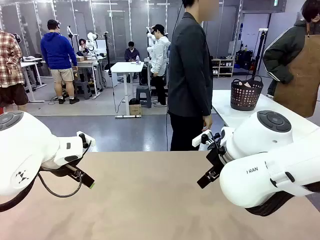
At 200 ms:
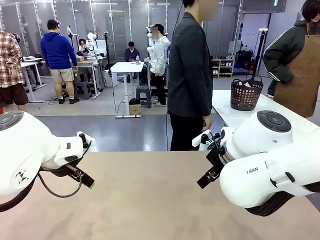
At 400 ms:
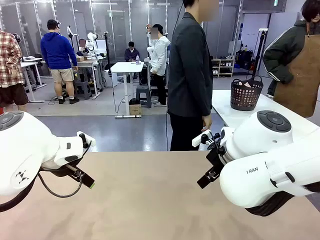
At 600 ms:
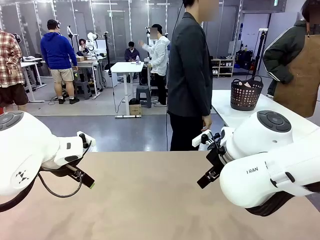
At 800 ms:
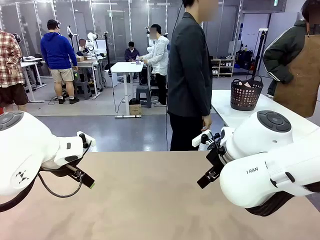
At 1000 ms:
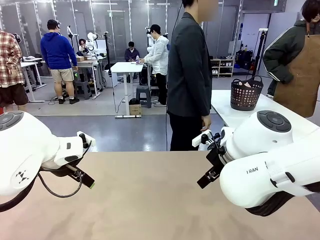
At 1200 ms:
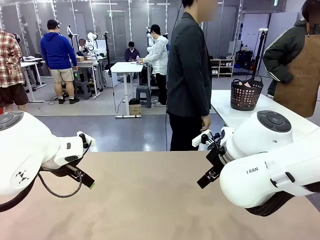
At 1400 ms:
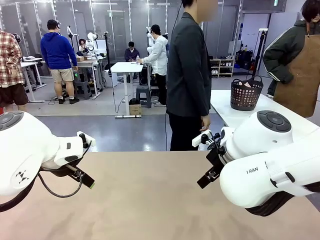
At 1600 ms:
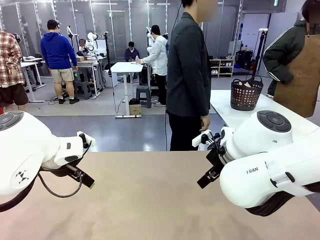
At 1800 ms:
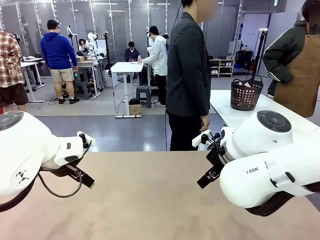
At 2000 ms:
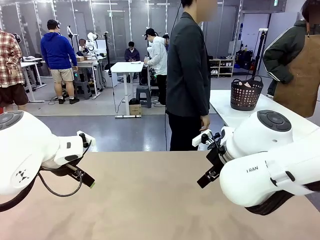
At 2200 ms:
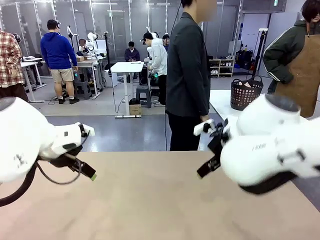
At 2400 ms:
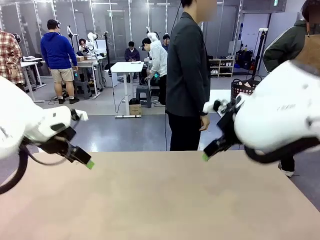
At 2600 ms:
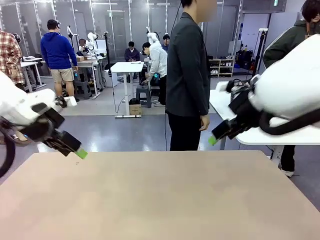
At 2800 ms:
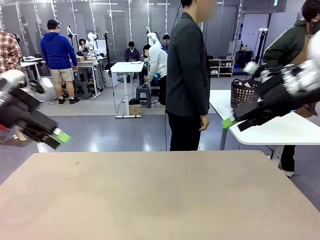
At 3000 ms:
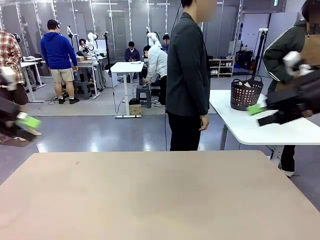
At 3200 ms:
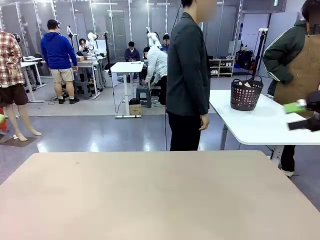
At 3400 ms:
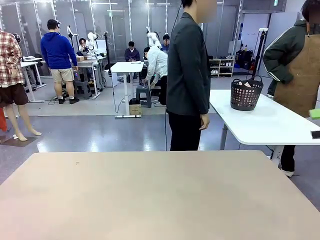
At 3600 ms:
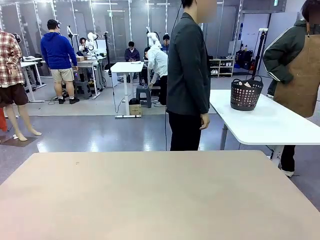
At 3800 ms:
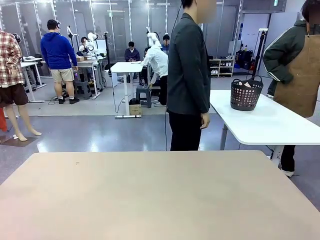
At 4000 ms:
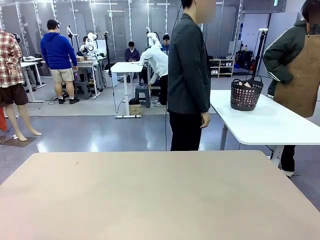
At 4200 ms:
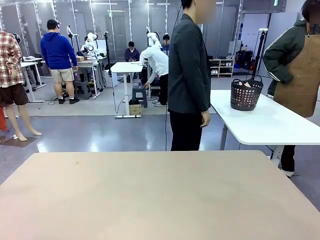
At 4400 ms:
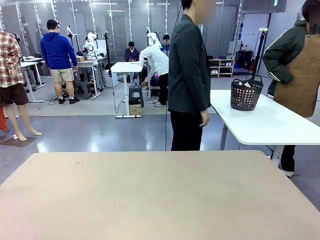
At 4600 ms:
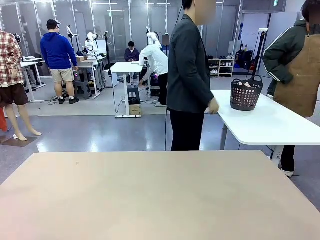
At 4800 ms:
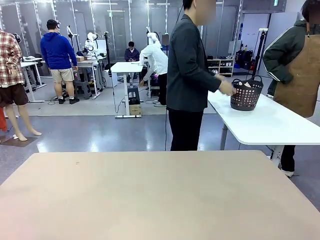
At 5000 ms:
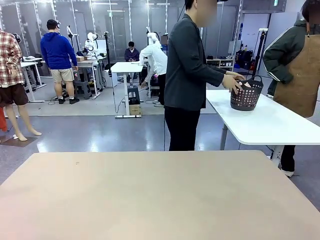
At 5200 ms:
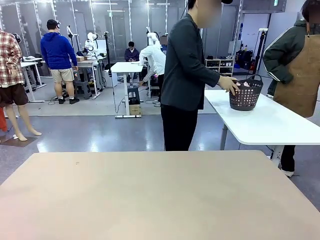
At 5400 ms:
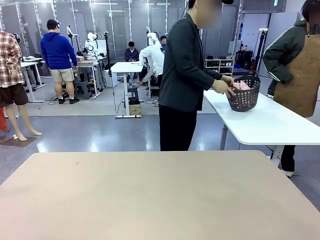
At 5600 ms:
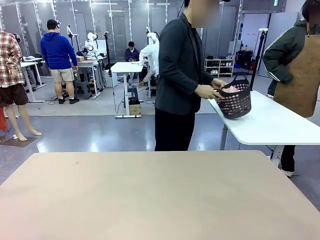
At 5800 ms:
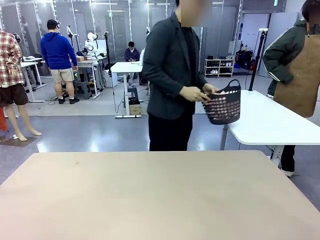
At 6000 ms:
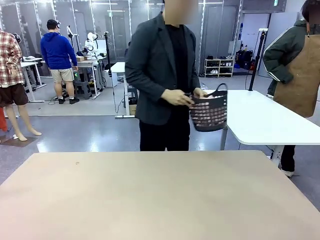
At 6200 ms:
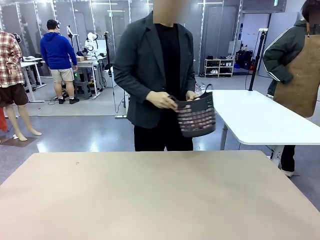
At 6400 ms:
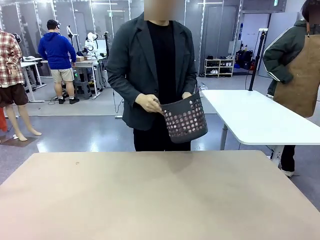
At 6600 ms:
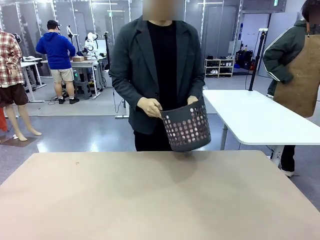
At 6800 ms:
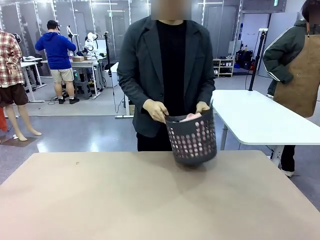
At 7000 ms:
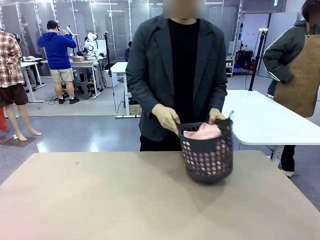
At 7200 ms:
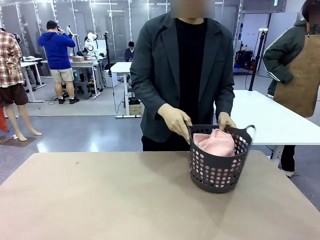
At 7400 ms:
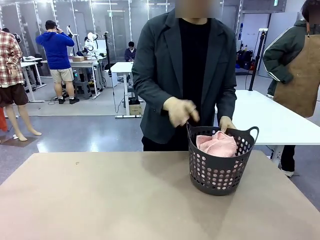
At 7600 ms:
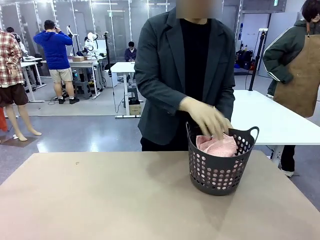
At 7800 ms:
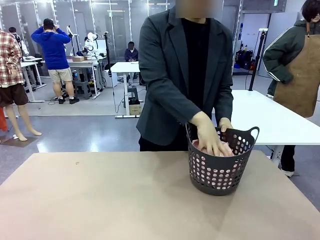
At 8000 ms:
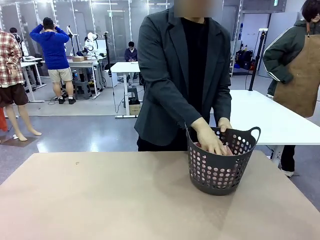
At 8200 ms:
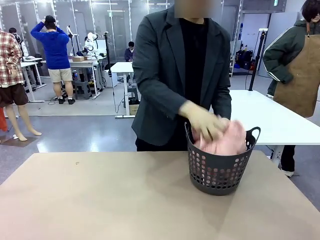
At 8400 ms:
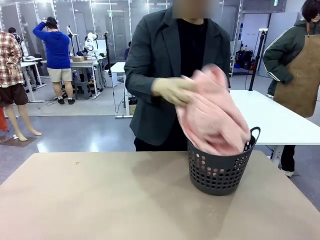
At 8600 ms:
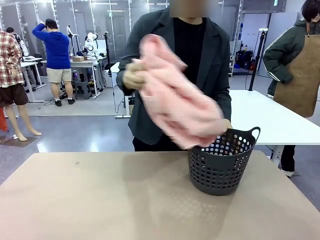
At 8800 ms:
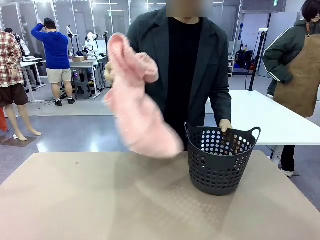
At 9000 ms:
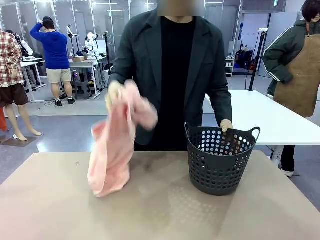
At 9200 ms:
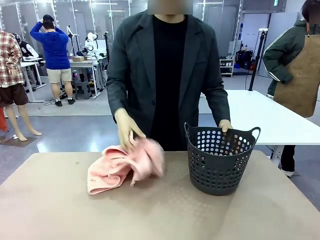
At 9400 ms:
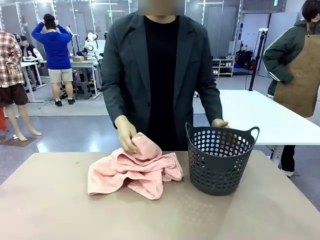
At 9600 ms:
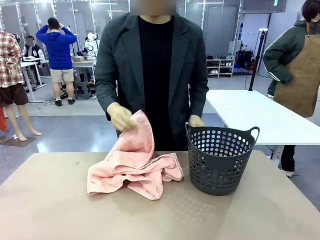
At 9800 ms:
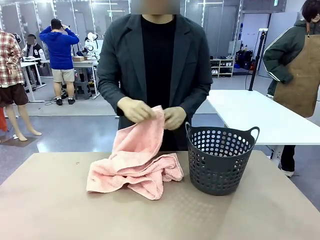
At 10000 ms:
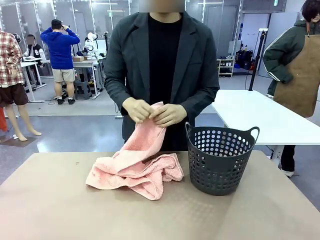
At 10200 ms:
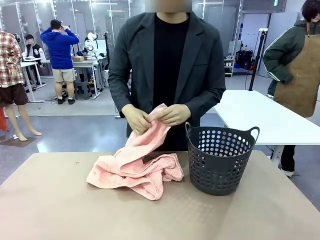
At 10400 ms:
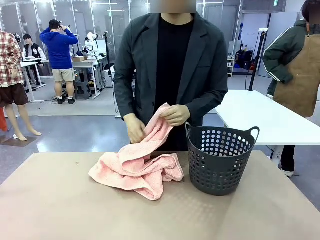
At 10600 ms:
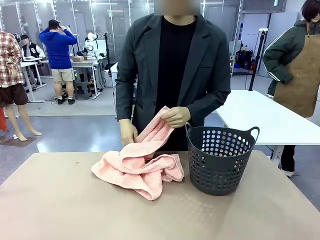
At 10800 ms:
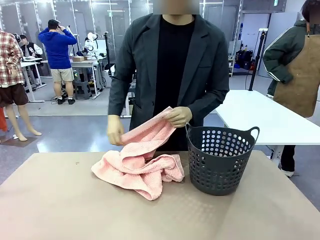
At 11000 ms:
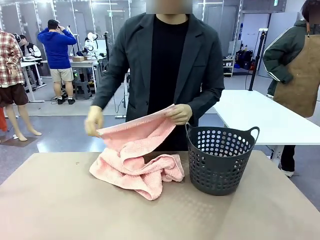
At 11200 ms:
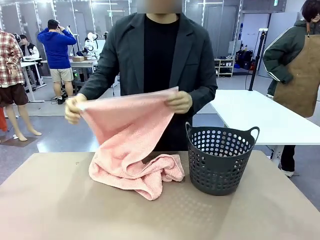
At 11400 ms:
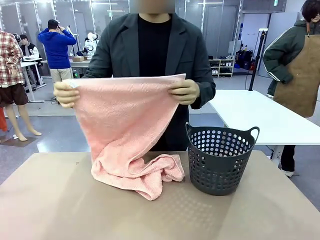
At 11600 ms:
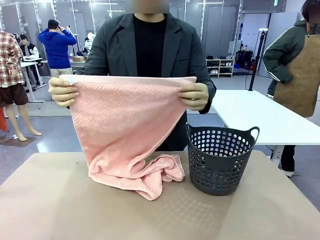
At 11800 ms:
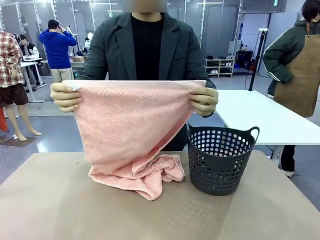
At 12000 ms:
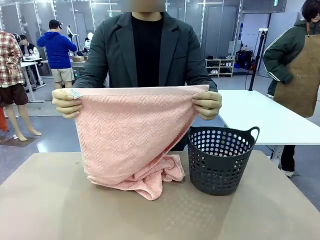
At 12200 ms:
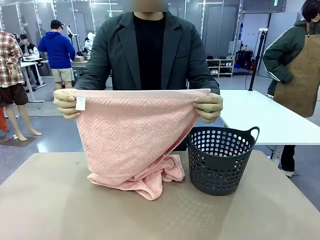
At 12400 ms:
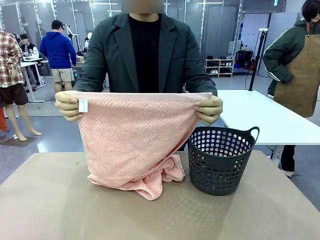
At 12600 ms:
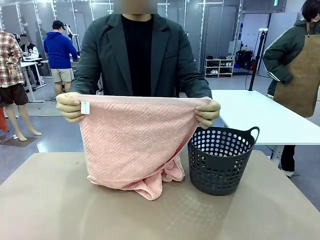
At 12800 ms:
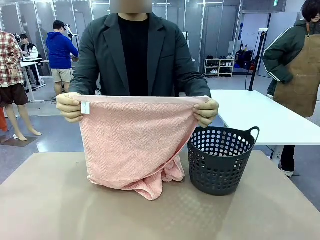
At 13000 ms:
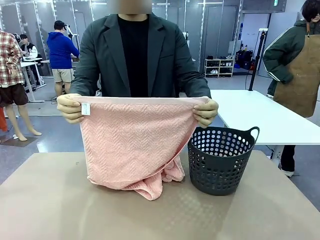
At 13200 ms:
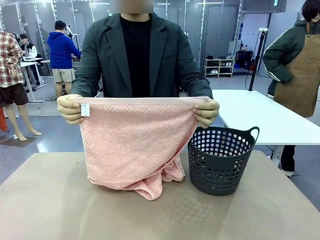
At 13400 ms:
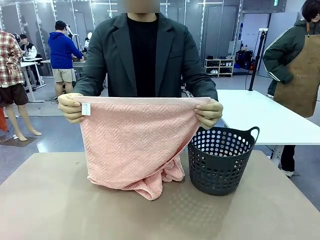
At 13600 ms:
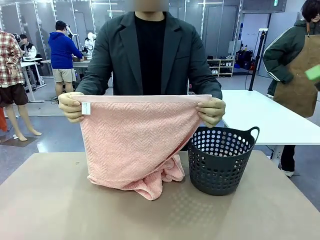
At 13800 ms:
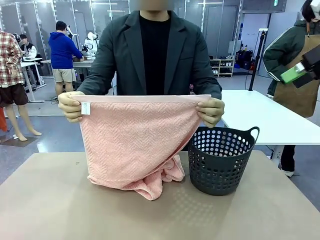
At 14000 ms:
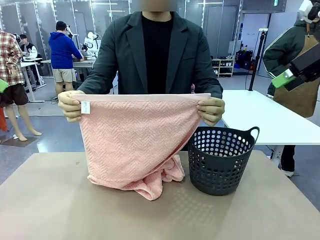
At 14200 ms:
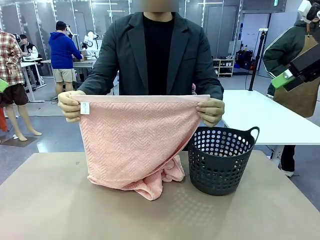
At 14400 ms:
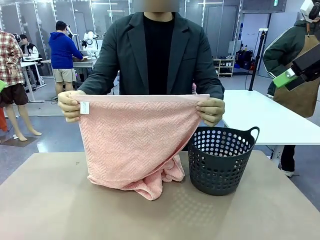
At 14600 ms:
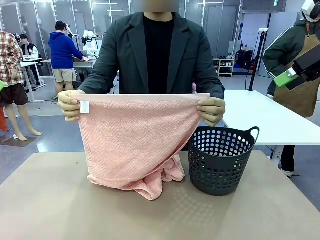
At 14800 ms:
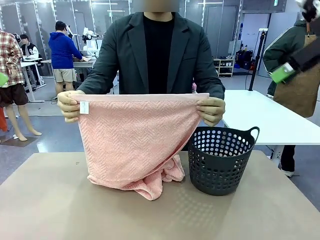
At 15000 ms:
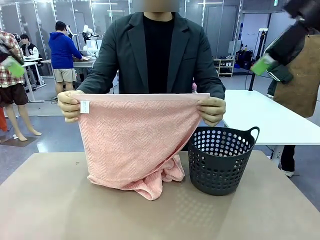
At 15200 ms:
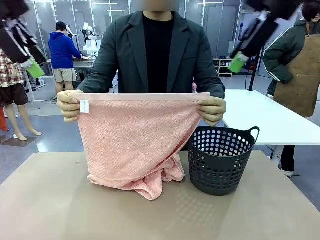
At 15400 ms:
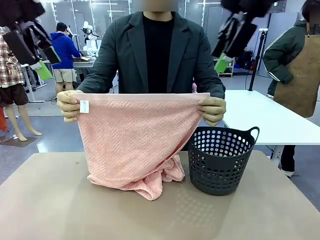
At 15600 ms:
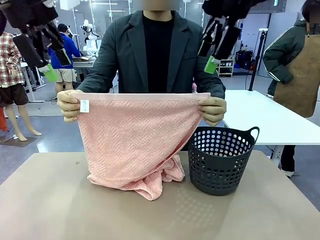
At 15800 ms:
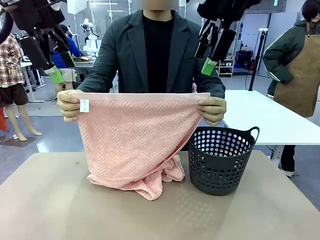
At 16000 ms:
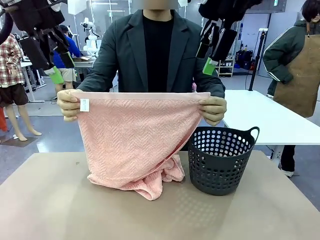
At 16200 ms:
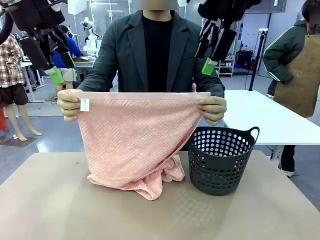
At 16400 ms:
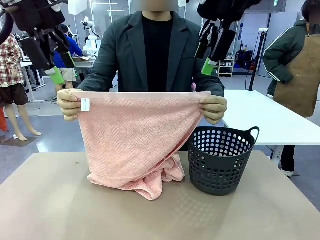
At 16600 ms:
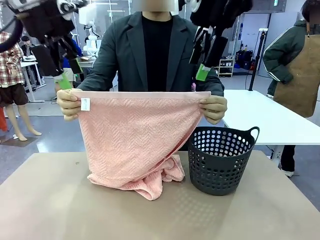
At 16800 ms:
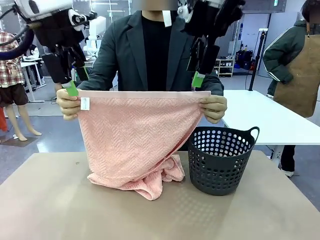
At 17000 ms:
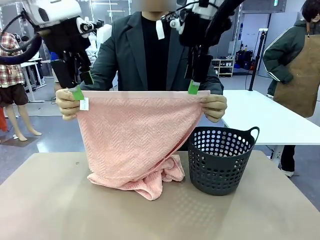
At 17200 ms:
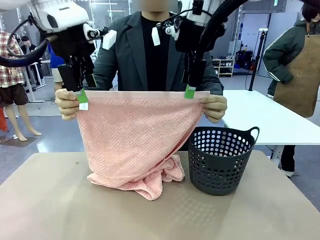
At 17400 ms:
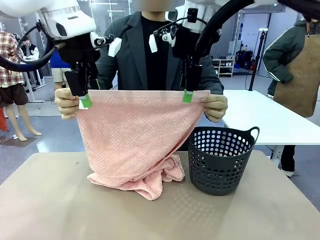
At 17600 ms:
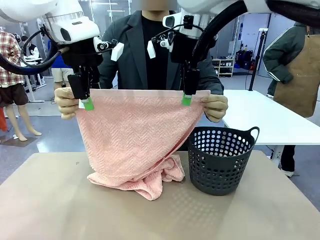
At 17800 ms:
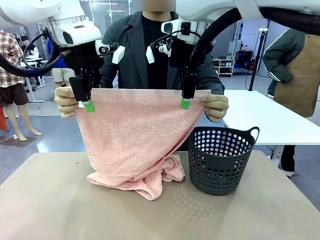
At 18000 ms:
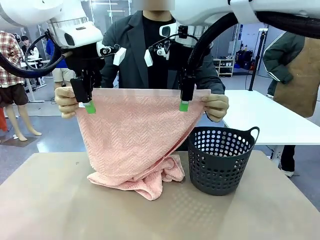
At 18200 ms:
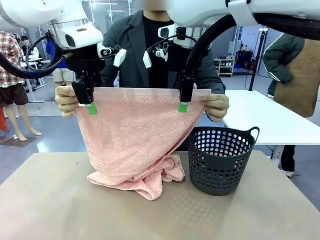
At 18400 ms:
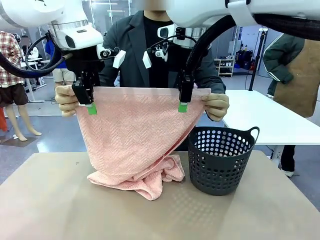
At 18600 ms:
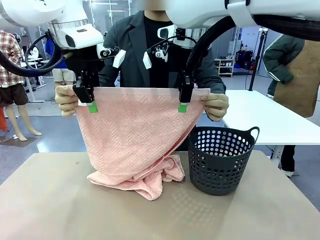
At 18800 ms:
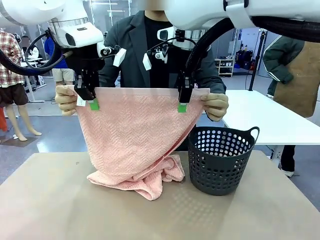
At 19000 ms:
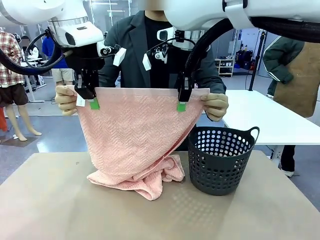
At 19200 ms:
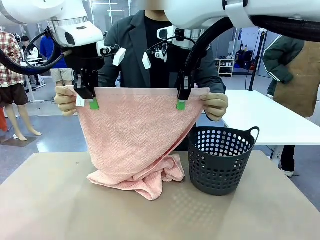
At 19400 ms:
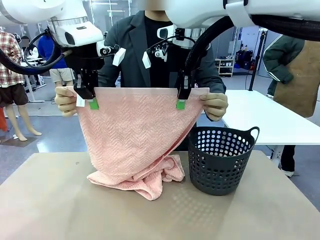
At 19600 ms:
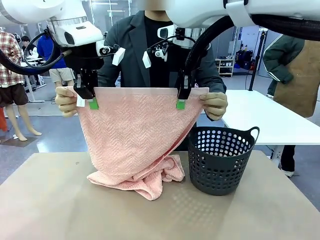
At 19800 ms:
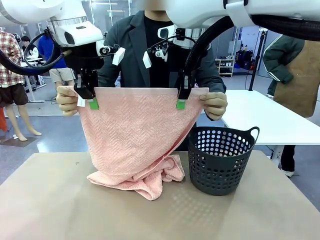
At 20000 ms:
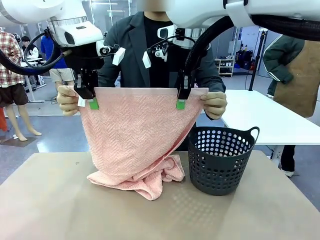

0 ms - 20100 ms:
Task: Fold the towel.
Robot: Grab the top end of the 100 cm Hotel Towel extended by the human.
Person: Pick up the laundry basket, place it on the left side of the robot table, then take out a towel and hand it to the robot while holding both corners of one end.
